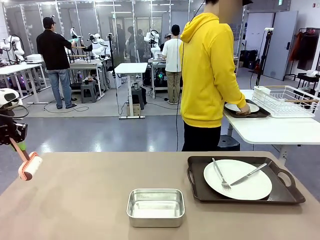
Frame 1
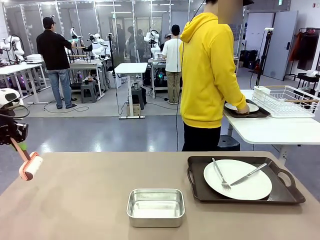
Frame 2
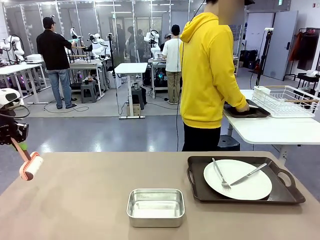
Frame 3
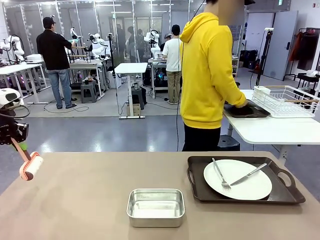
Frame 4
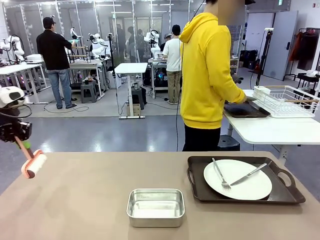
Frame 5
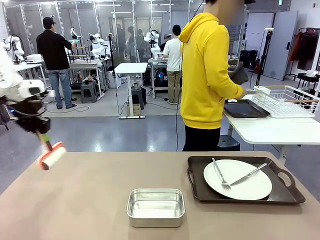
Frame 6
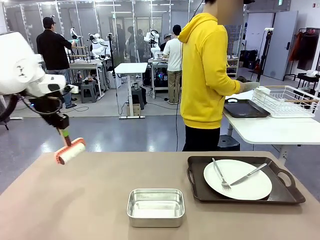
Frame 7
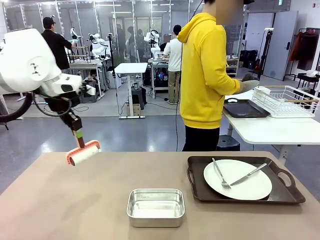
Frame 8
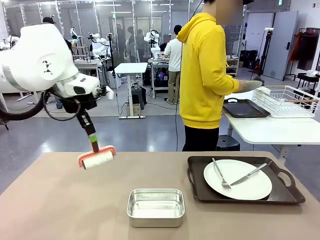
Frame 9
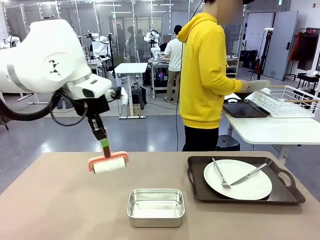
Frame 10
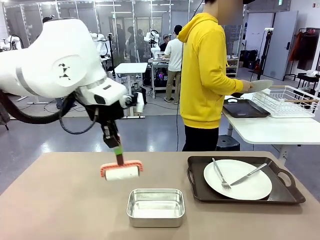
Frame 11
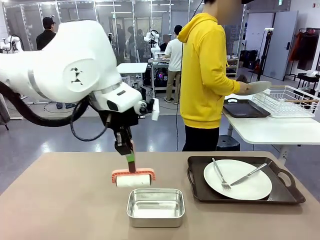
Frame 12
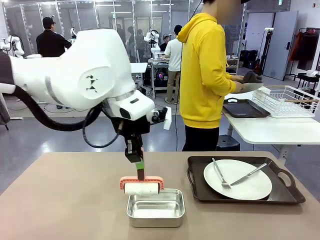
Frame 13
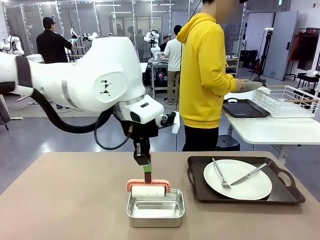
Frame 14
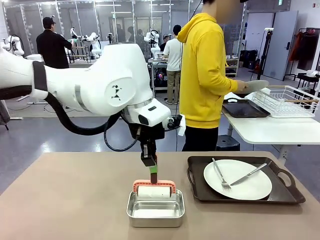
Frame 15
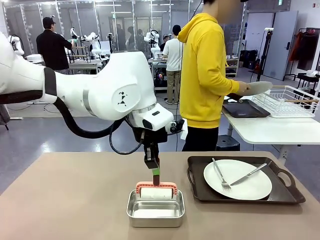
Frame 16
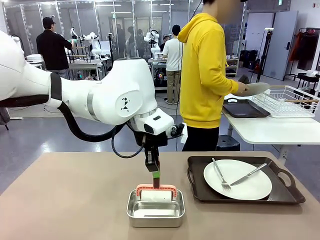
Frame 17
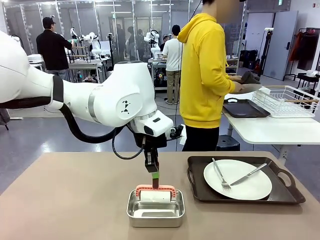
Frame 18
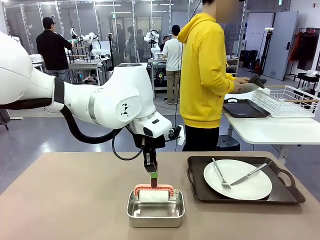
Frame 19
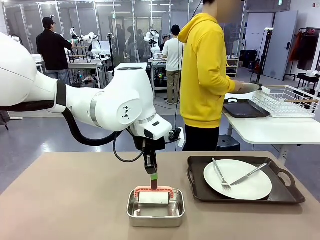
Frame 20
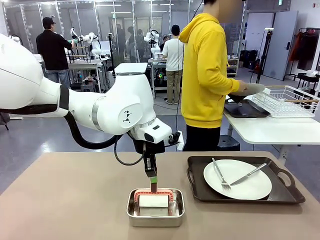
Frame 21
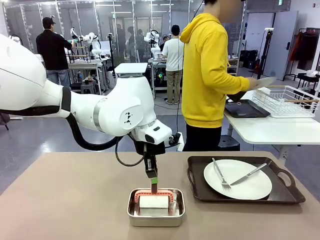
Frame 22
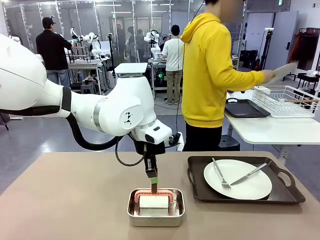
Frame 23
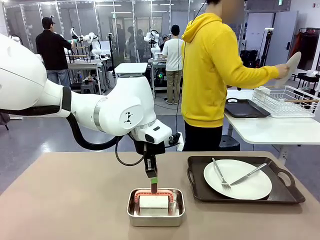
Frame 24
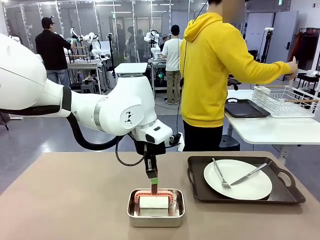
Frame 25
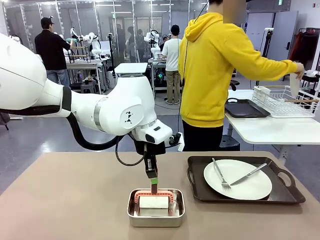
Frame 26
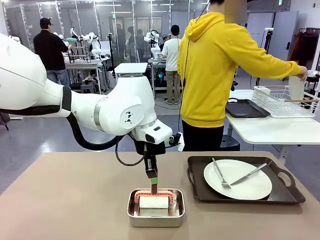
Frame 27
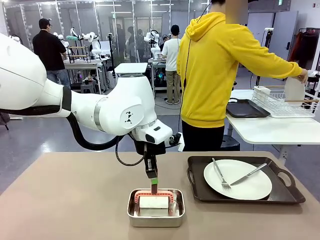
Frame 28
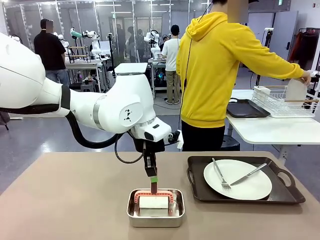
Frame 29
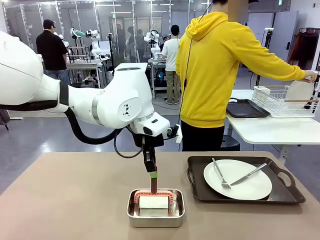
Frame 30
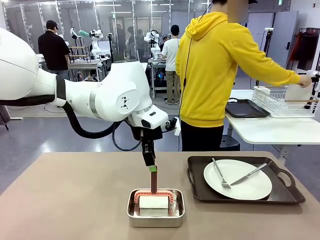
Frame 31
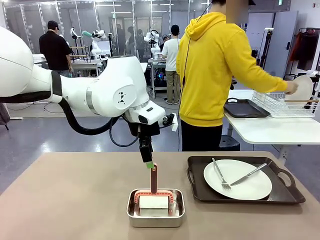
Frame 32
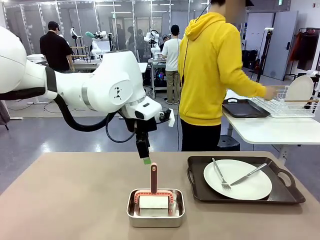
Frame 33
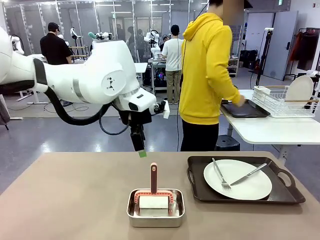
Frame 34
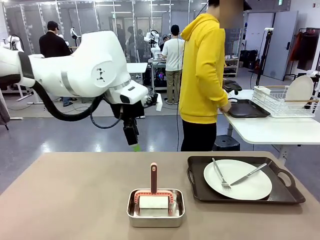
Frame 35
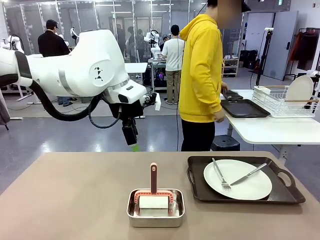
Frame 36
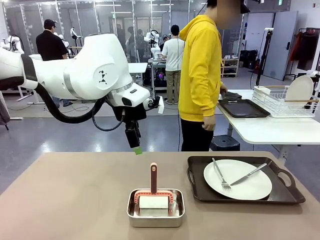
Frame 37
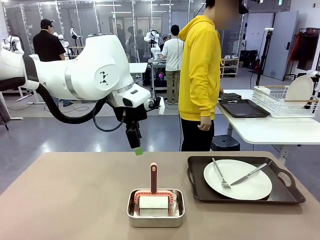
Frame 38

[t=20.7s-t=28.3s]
Robot: Place the Lint Roller back on top of the Airtight Container.

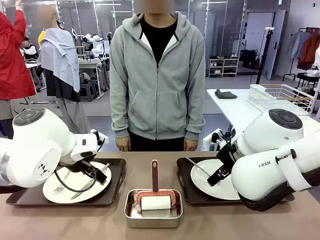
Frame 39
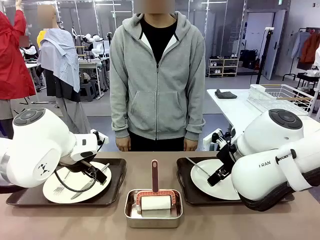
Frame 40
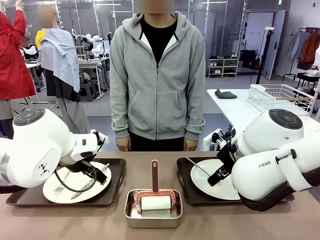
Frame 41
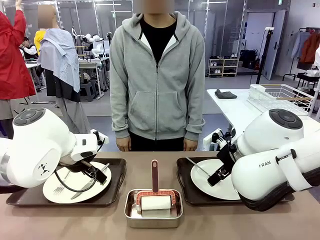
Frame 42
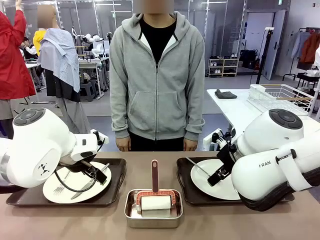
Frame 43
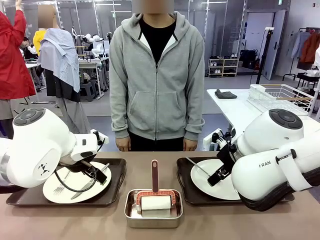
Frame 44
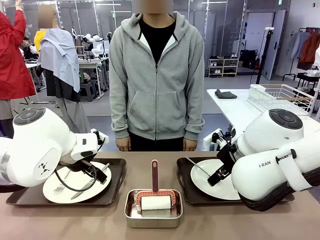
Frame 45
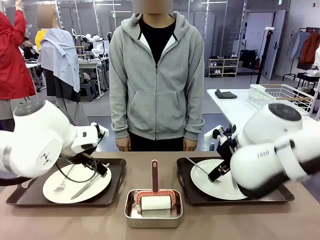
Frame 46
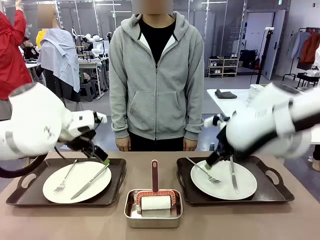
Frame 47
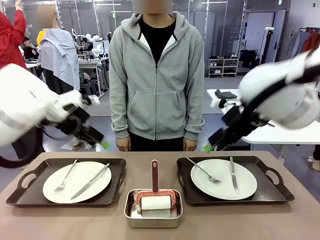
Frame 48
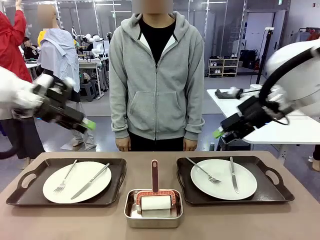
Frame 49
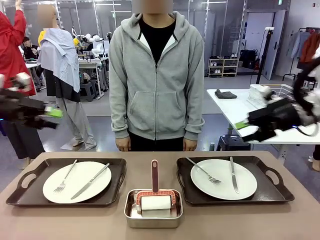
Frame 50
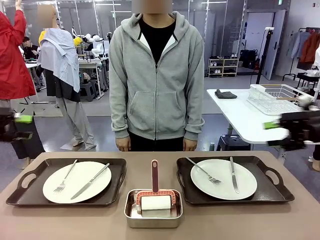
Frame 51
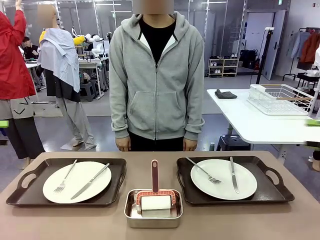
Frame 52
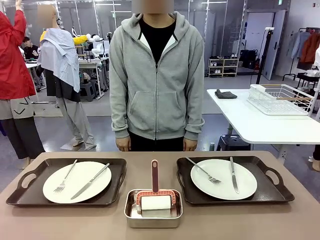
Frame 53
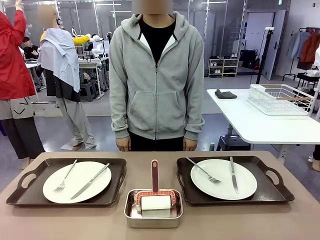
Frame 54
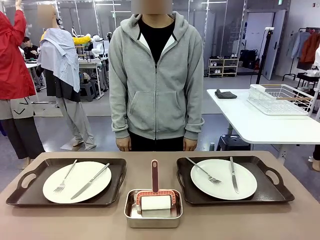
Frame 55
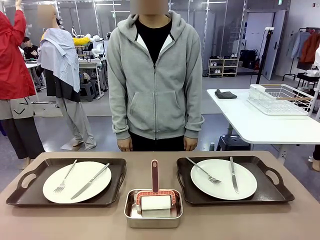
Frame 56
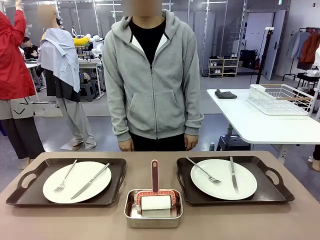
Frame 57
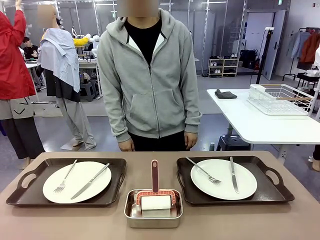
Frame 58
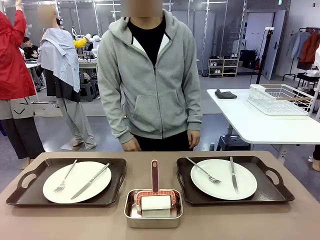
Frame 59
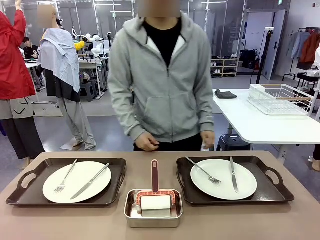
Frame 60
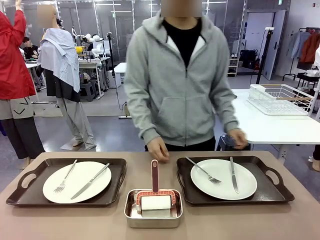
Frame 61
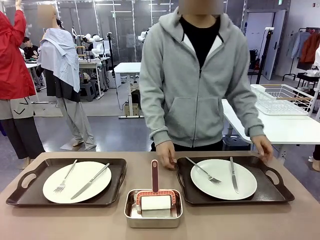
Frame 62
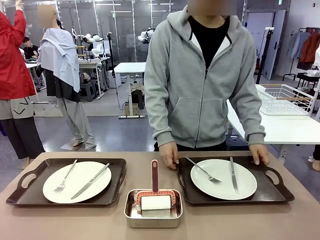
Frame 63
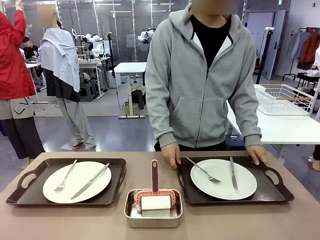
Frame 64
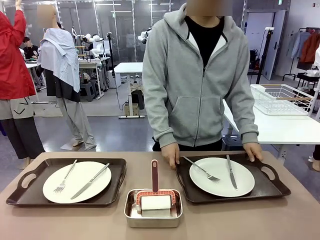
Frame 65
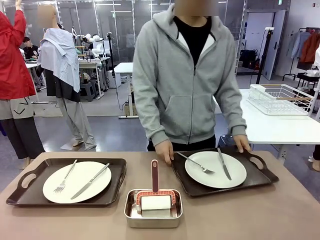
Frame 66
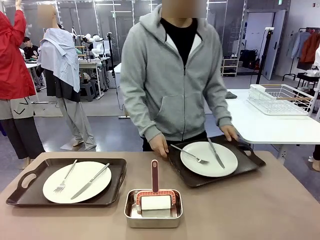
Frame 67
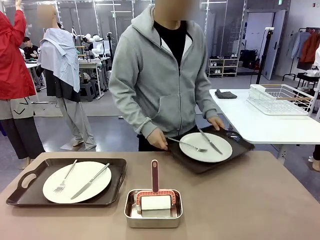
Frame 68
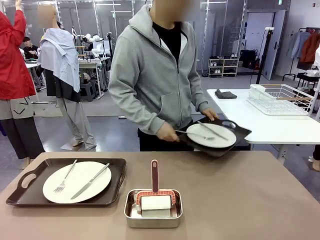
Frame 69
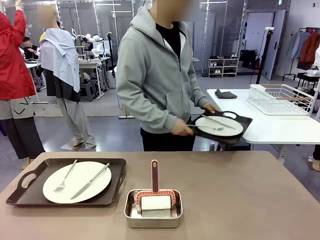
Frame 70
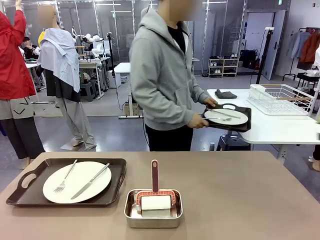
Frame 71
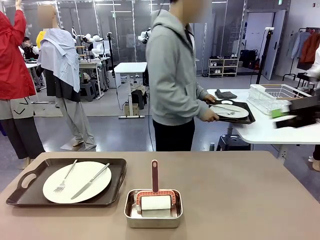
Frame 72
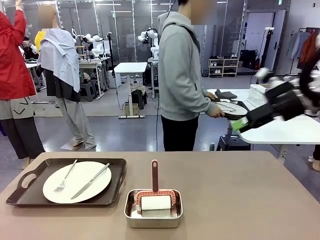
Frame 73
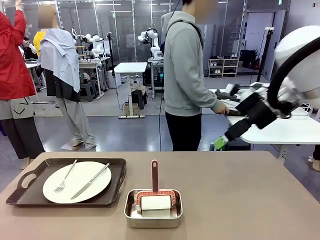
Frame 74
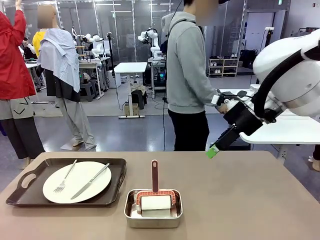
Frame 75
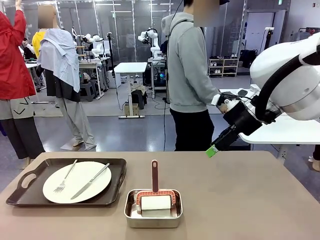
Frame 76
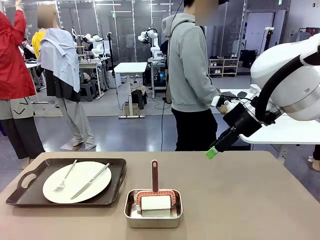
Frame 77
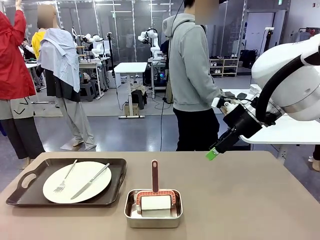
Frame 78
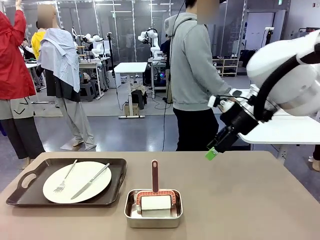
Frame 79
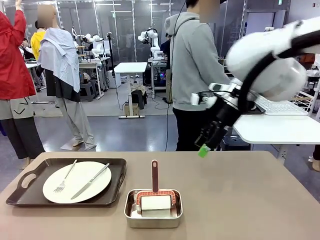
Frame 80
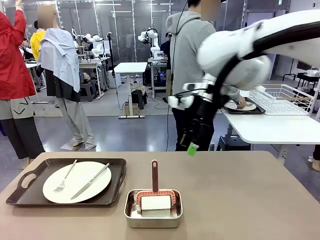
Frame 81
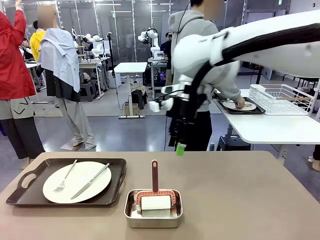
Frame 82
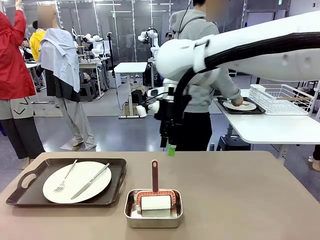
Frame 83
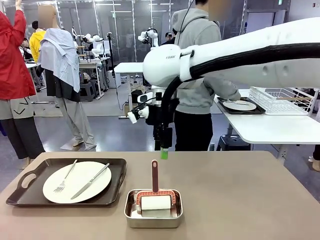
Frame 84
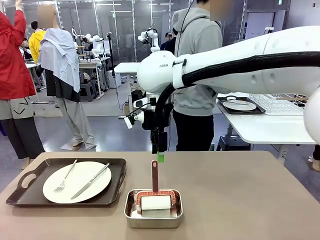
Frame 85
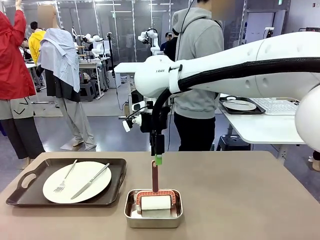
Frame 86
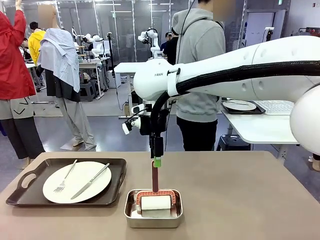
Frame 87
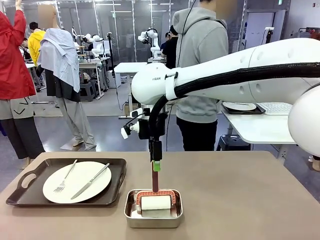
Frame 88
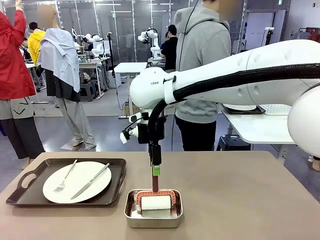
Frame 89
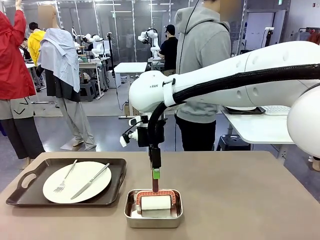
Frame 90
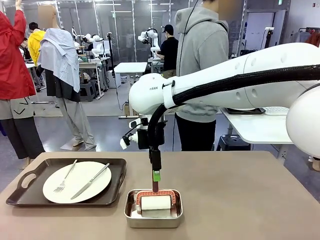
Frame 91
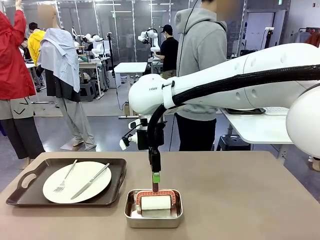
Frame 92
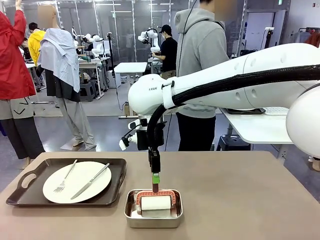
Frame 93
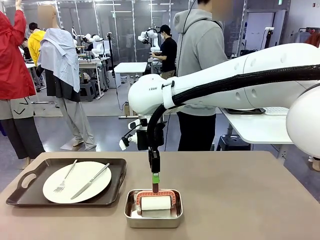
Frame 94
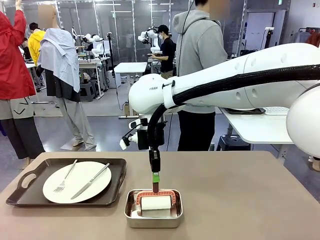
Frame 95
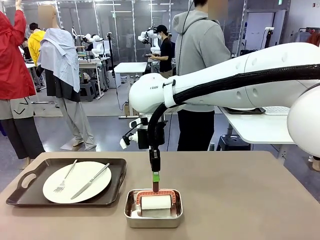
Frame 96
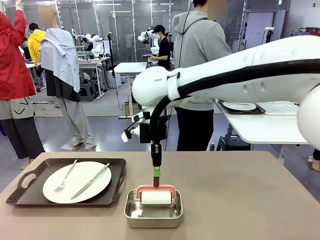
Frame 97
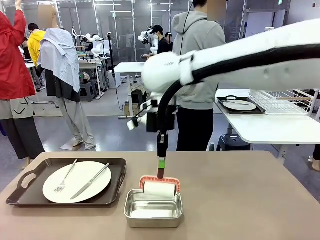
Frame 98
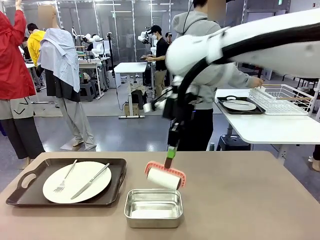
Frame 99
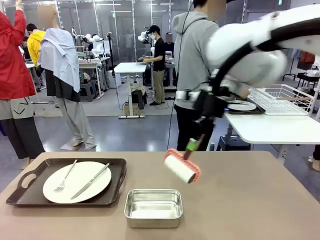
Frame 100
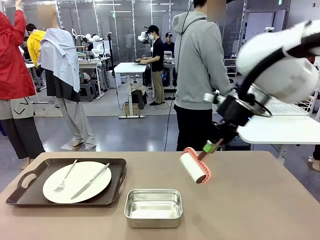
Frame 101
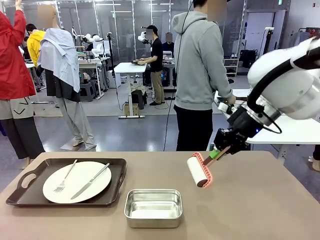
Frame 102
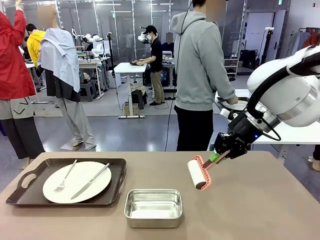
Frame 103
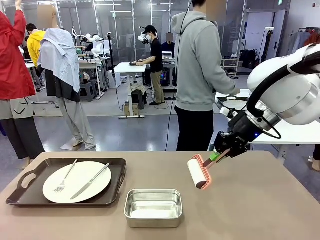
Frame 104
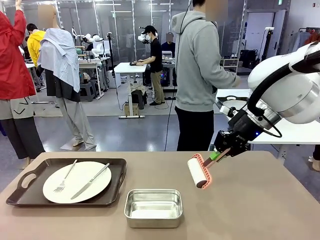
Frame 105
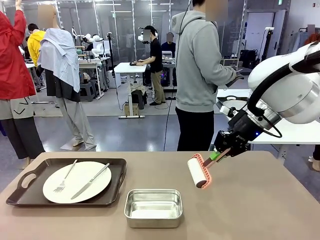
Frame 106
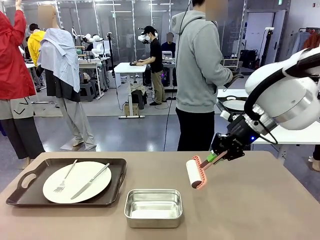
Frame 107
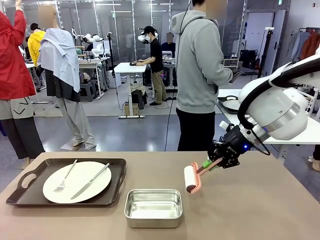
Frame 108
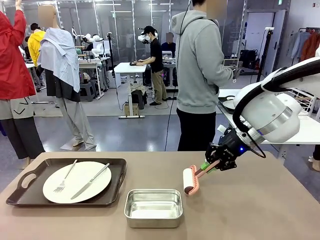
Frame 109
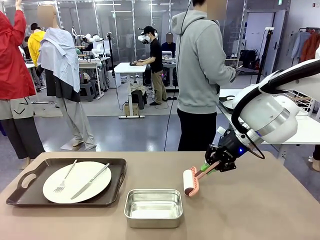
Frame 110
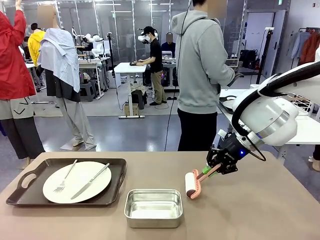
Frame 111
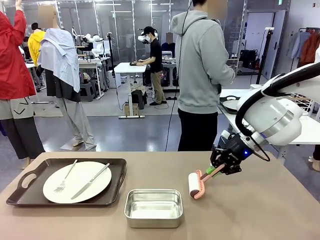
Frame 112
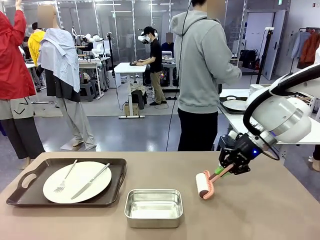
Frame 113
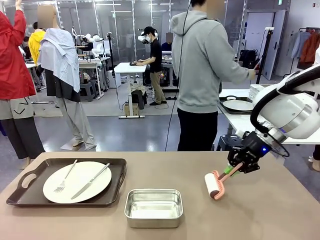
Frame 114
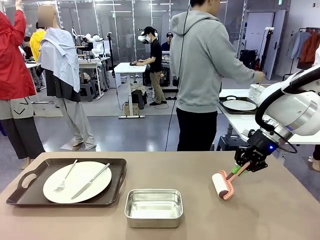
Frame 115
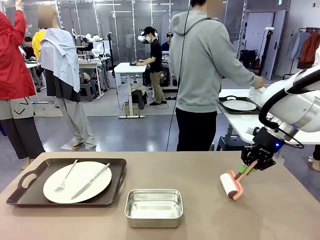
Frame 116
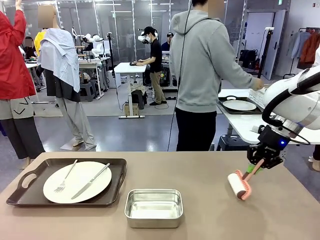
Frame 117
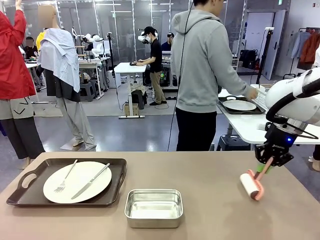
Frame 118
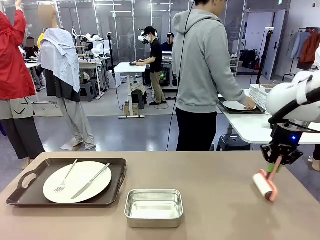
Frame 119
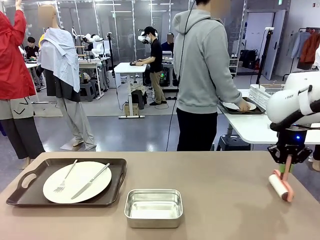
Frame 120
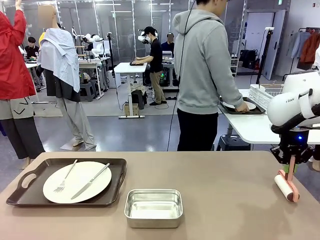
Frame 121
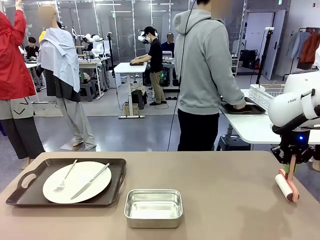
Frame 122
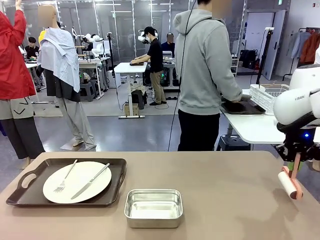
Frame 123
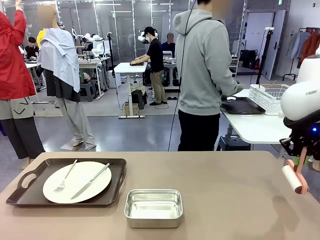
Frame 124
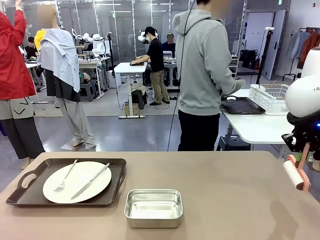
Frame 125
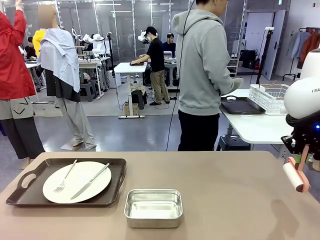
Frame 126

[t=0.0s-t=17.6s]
Robot: When the left (or right) Handle tray is removed, use the left hand (or right hand) to clean the left (or right) side of the table with the Lint Roller.
Person: Pick up the left (or right) Handle tray and place it on the middle of the Human's table. Use the Towel with hook to wipe the Plastic Matte Plate , Fork , and Knife and place into the Dish drying rack.
